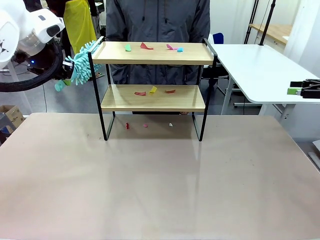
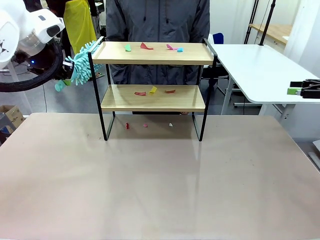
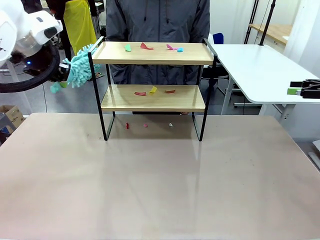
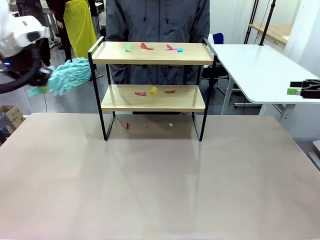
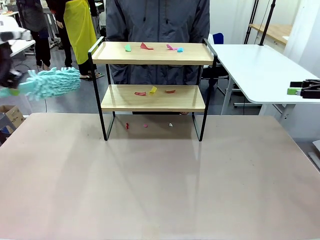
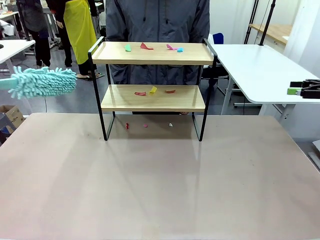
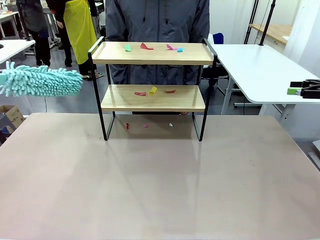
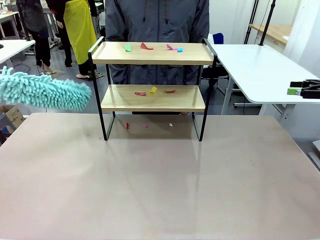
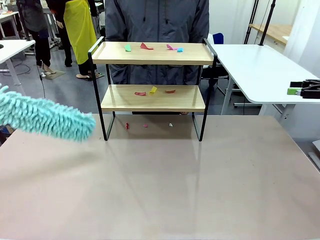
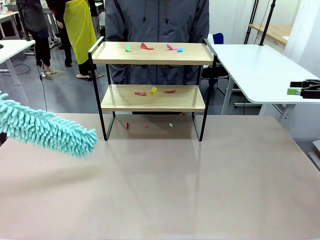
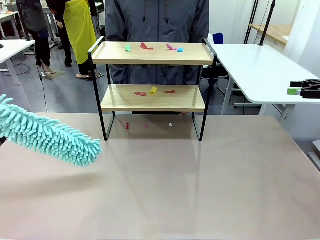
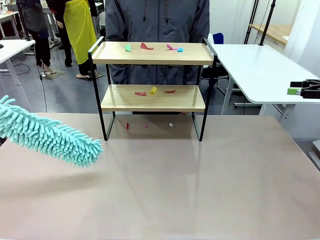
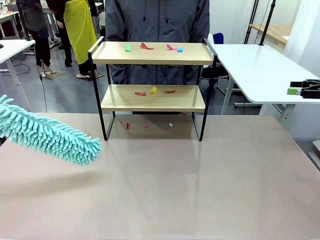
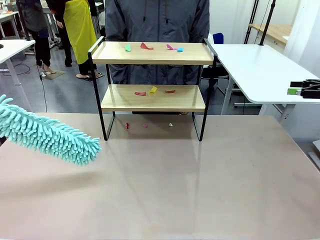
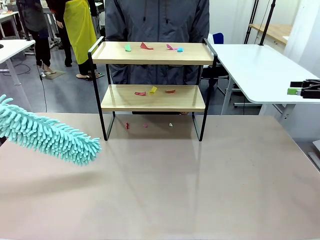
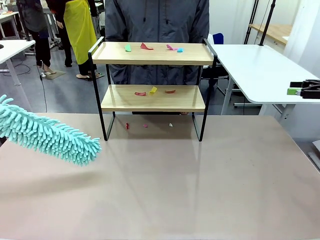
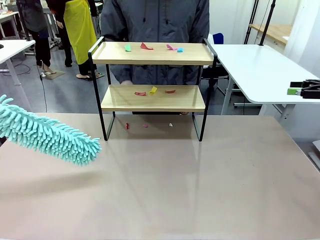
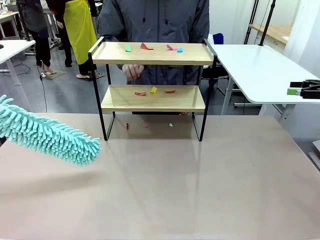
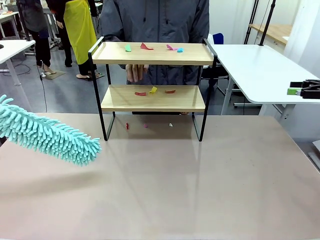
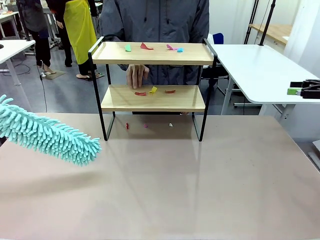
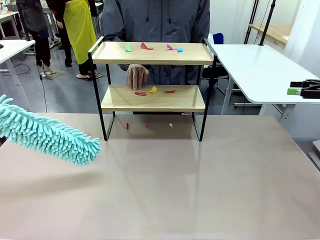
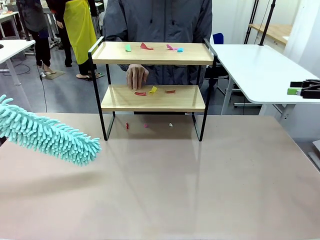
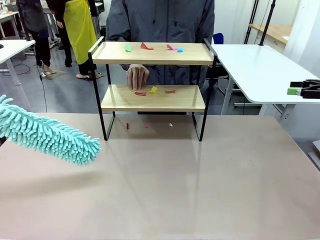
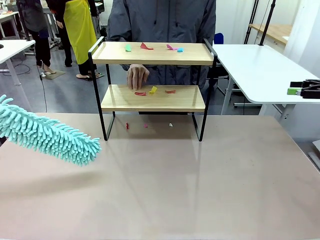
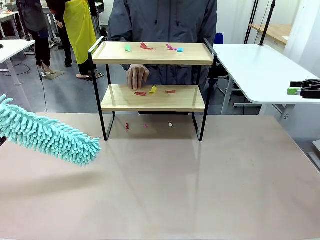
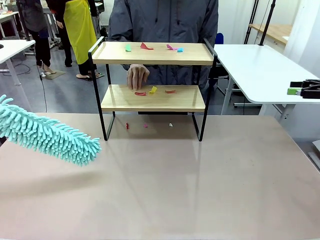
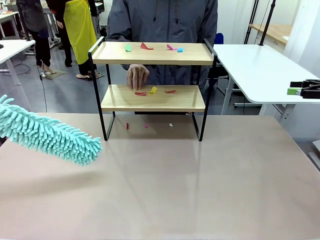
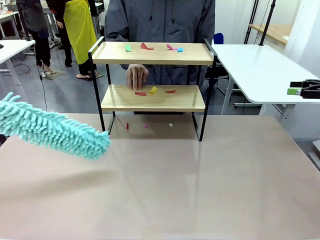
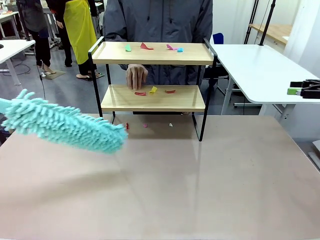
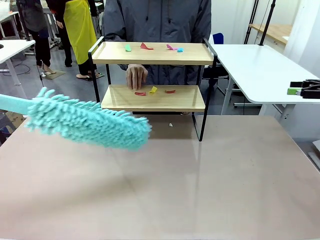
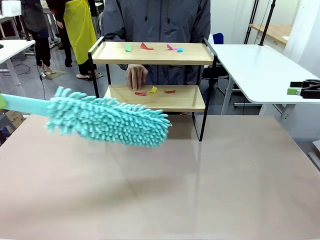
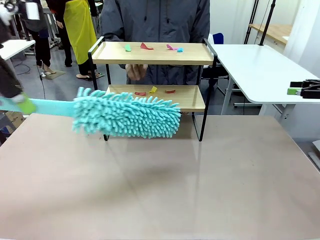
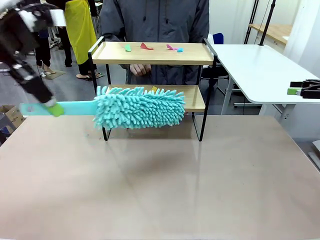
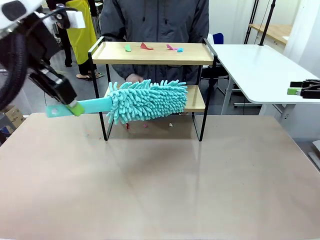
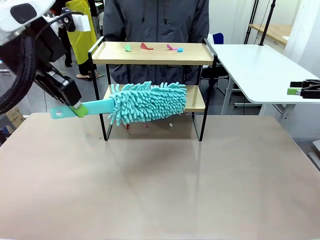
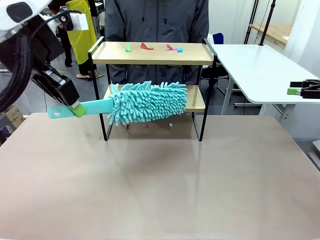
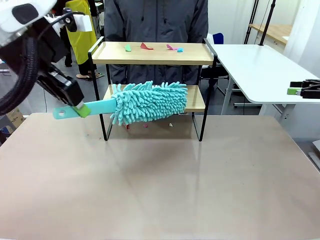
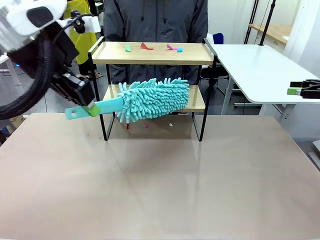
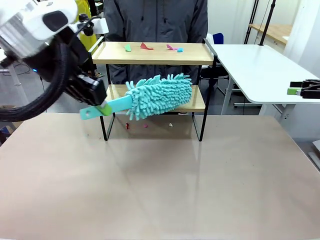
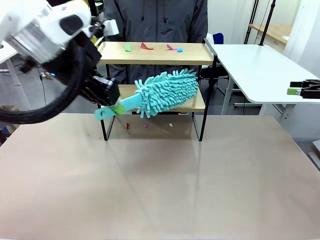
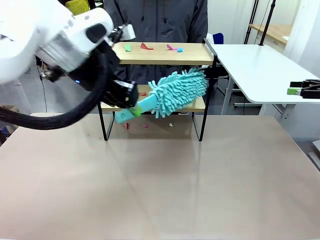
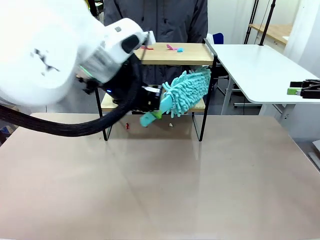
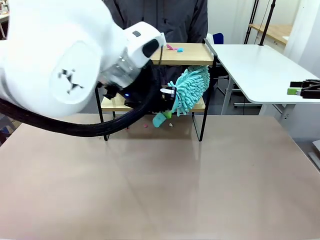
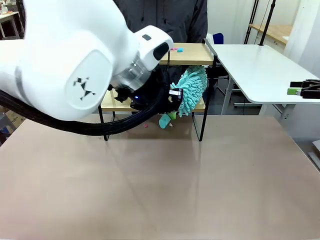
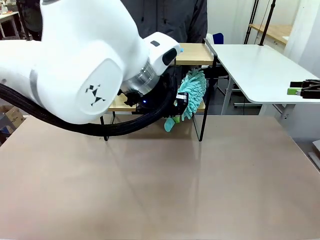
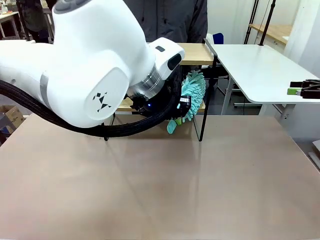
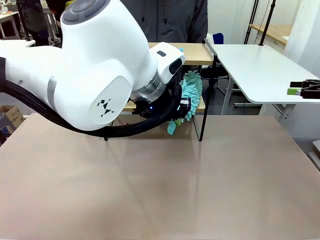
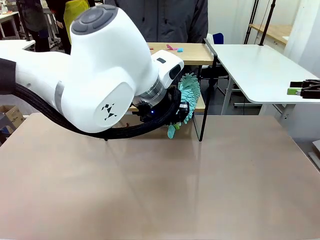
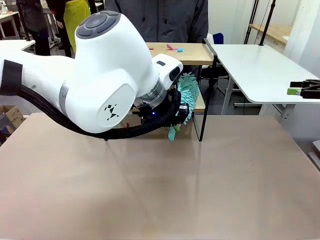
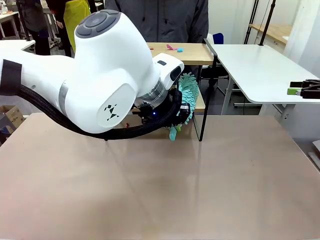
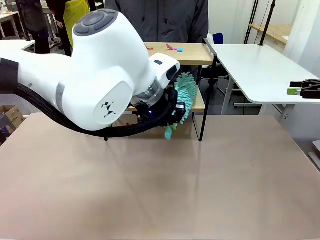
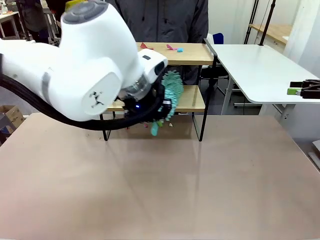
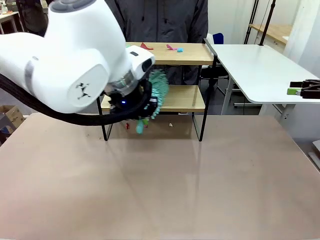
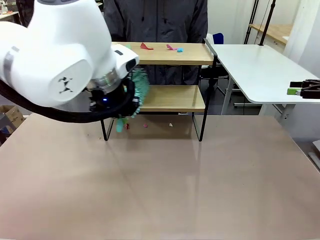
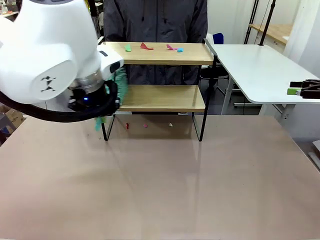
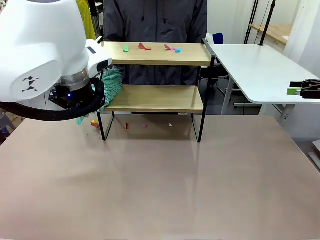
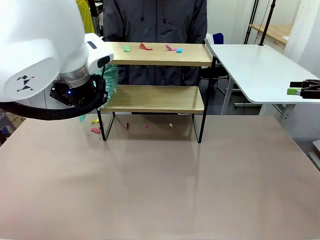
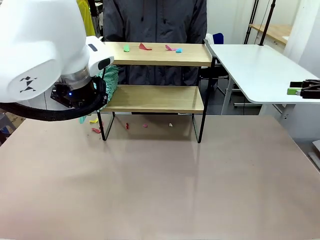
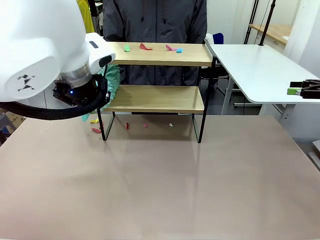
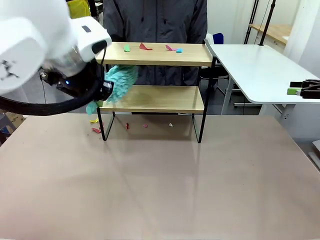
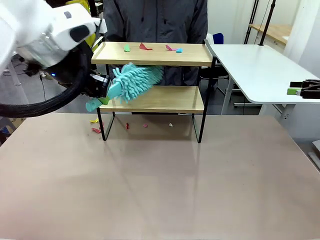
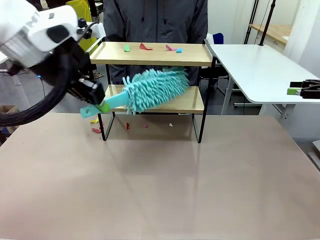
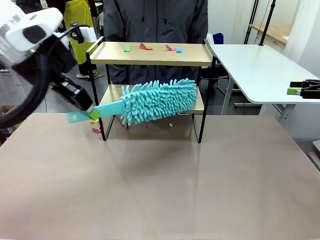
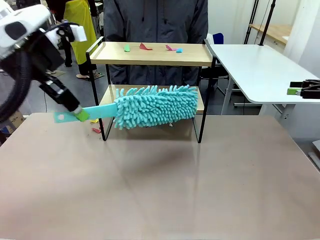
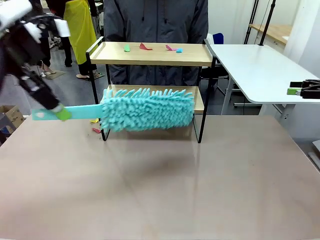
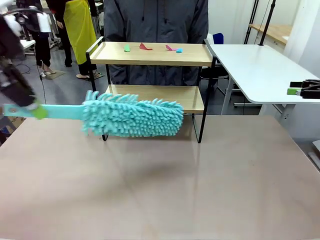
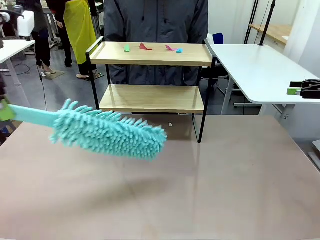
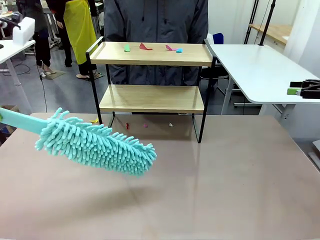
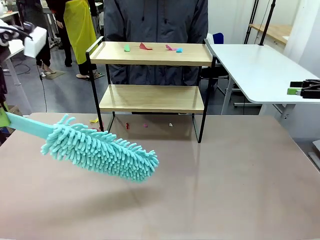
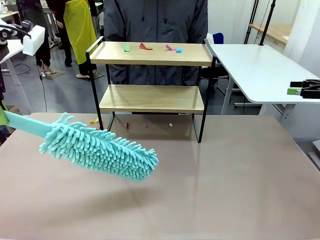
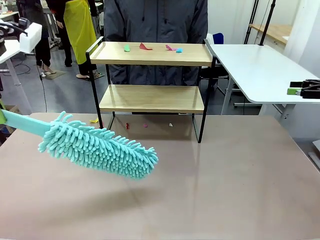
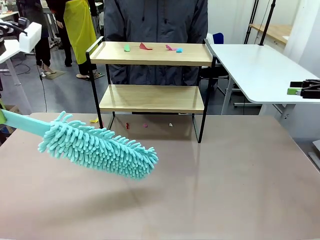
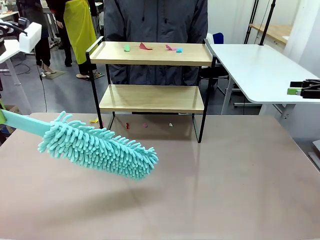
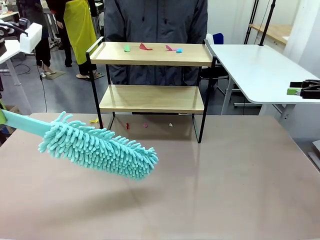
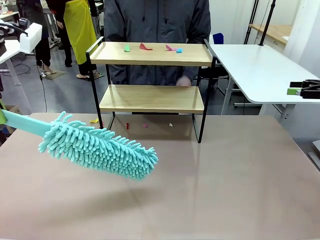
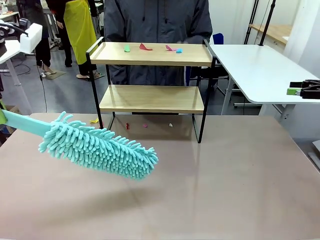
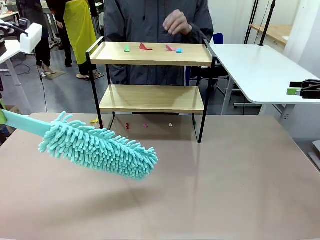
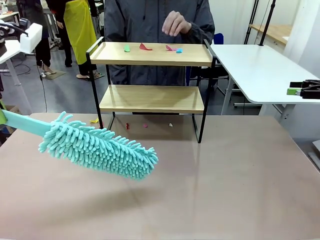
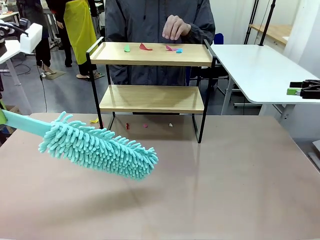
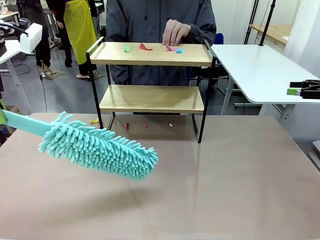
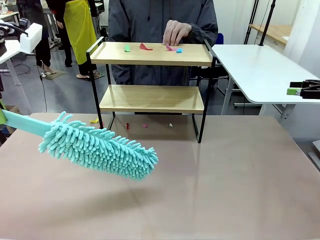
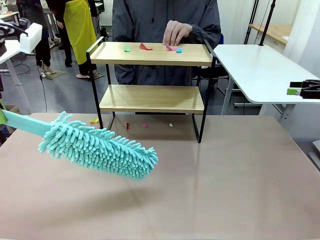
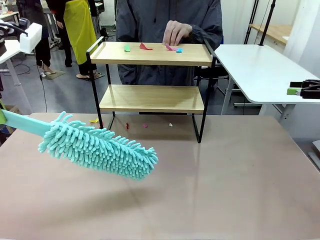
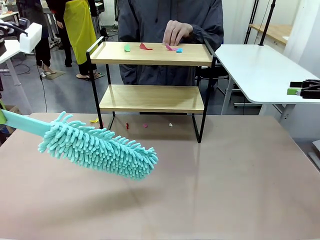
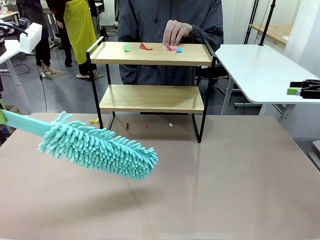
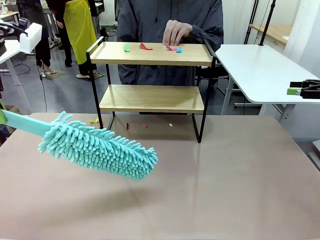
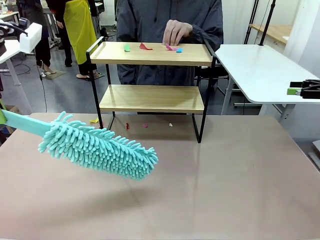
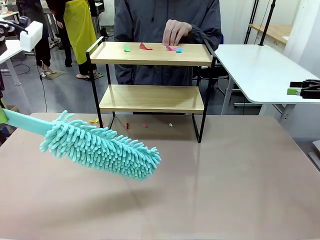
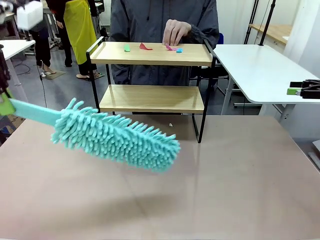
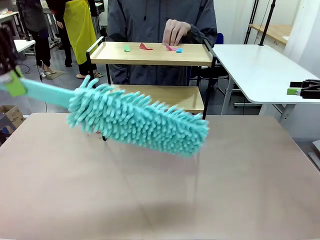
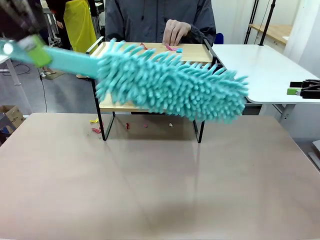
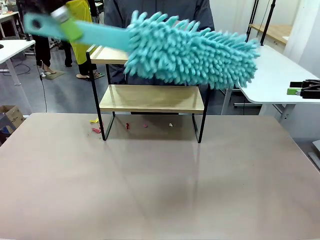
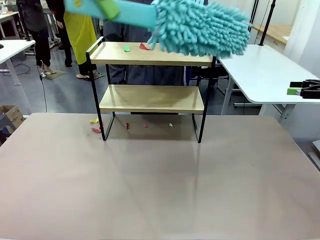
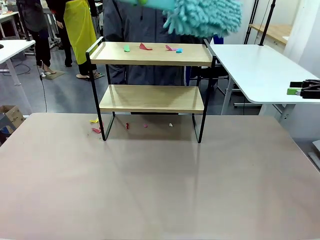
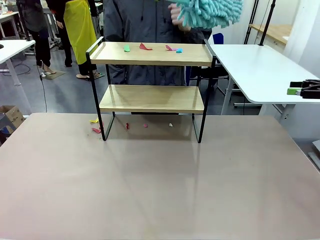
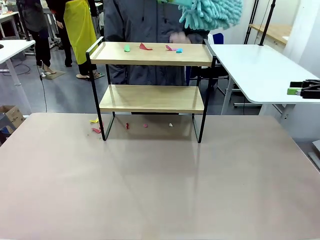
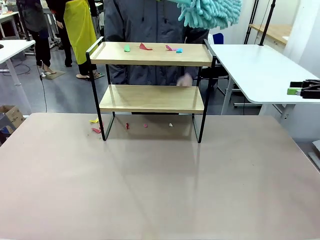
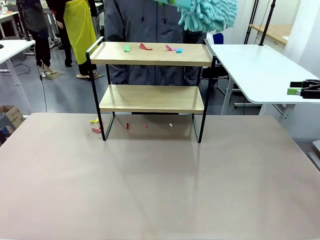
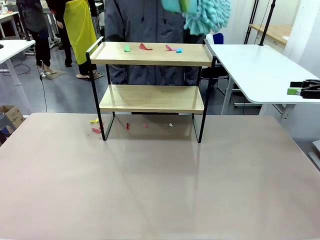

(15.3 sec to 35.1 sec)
Task: Clean the shelf.
Robot: Clean the specific section of the Shelf indicated by the human with the Duster.
Person: Point a random section of the Shelf.
